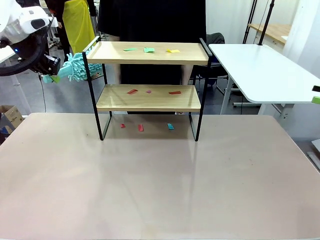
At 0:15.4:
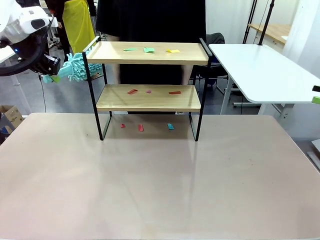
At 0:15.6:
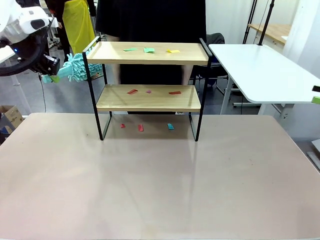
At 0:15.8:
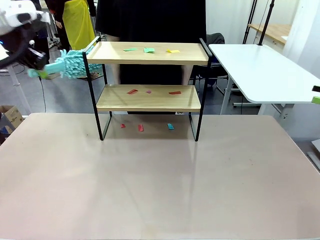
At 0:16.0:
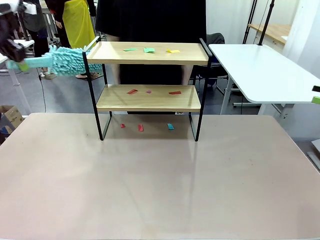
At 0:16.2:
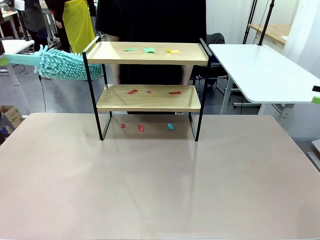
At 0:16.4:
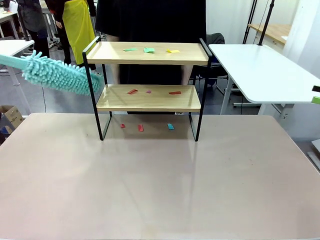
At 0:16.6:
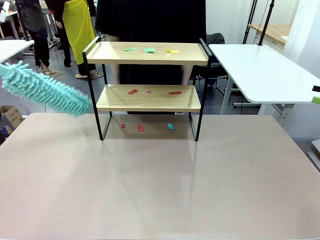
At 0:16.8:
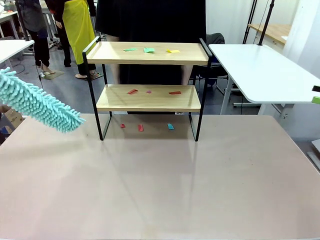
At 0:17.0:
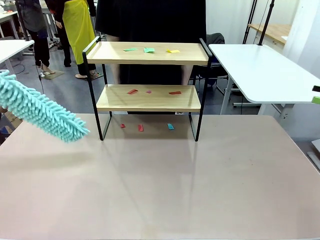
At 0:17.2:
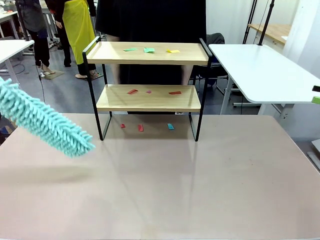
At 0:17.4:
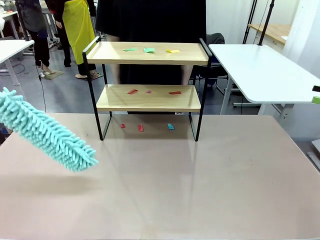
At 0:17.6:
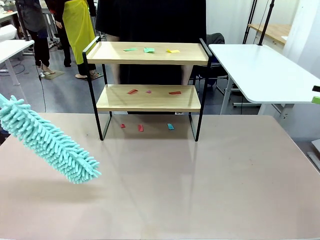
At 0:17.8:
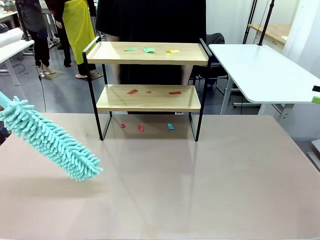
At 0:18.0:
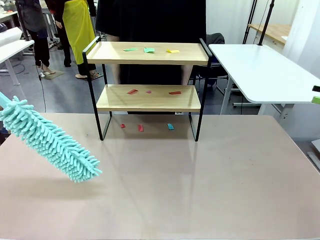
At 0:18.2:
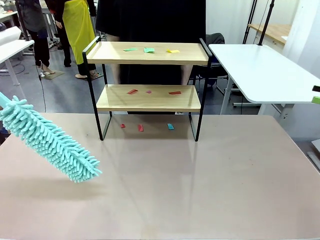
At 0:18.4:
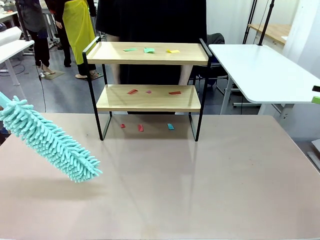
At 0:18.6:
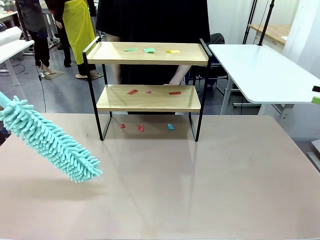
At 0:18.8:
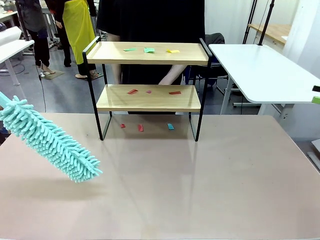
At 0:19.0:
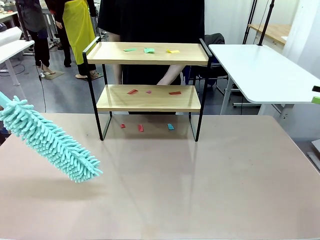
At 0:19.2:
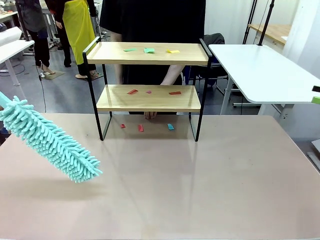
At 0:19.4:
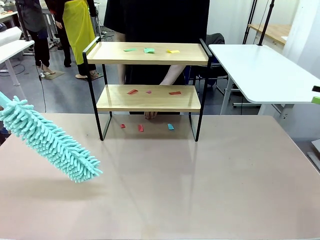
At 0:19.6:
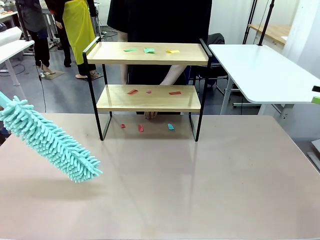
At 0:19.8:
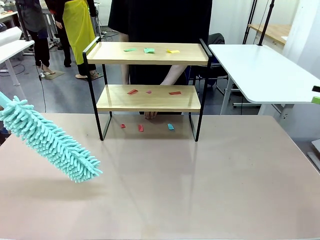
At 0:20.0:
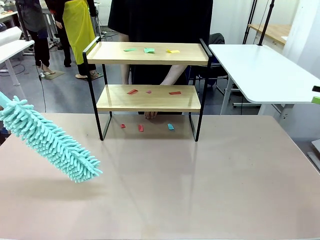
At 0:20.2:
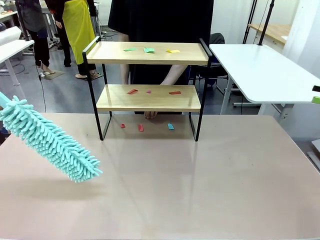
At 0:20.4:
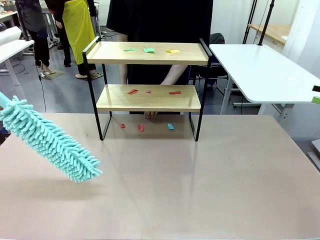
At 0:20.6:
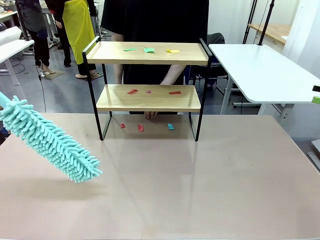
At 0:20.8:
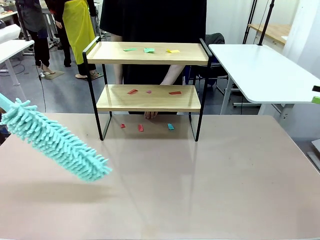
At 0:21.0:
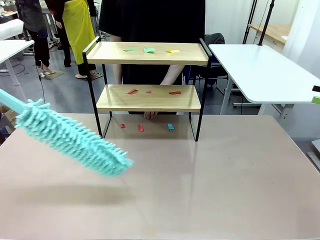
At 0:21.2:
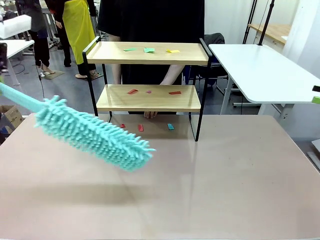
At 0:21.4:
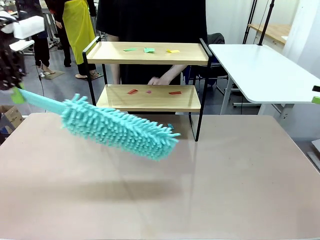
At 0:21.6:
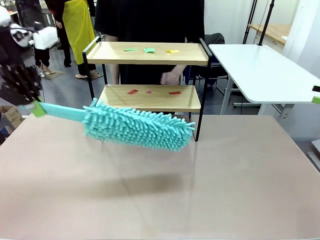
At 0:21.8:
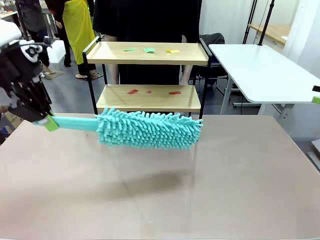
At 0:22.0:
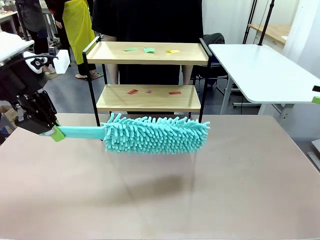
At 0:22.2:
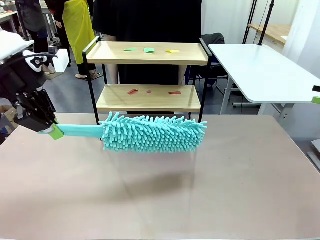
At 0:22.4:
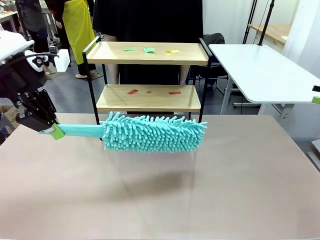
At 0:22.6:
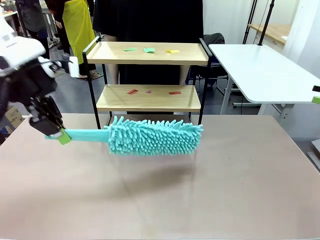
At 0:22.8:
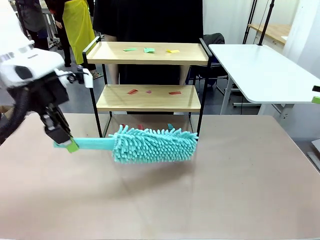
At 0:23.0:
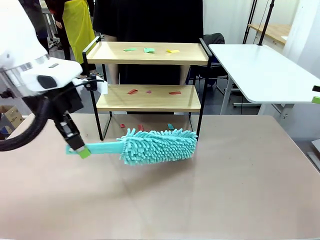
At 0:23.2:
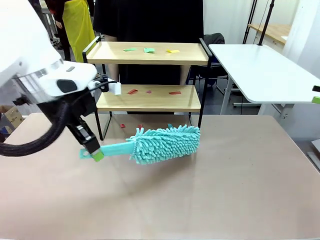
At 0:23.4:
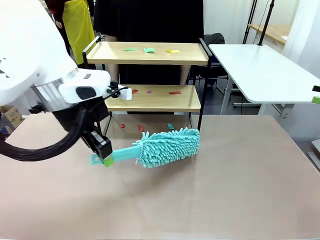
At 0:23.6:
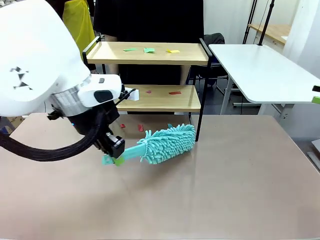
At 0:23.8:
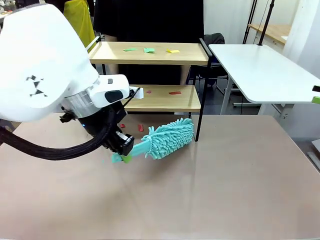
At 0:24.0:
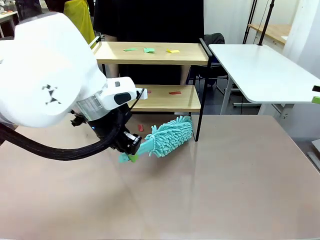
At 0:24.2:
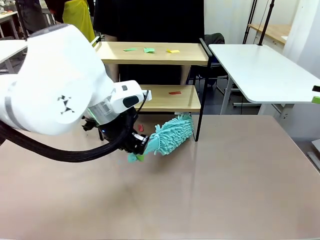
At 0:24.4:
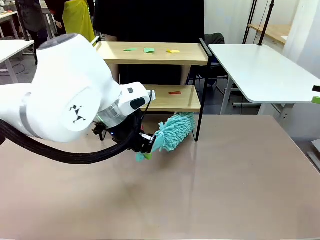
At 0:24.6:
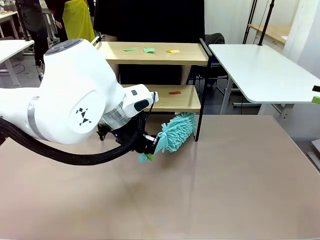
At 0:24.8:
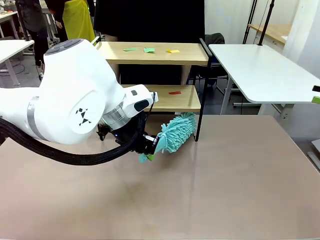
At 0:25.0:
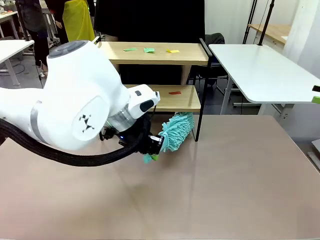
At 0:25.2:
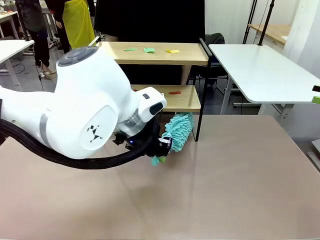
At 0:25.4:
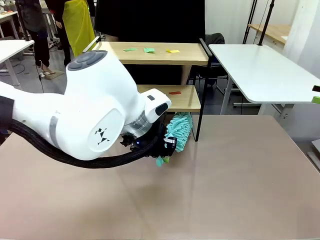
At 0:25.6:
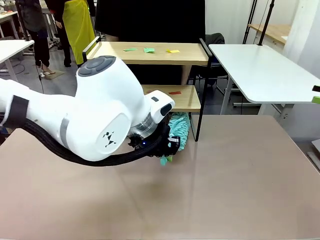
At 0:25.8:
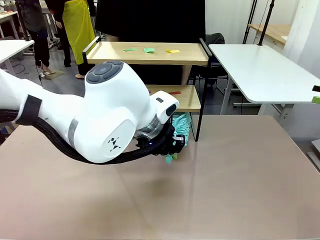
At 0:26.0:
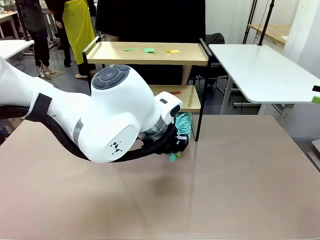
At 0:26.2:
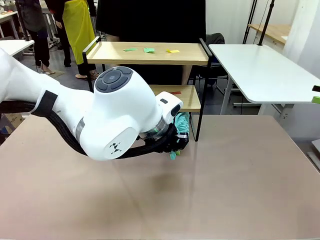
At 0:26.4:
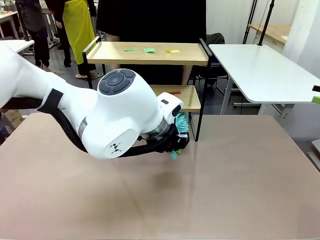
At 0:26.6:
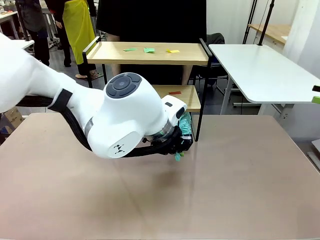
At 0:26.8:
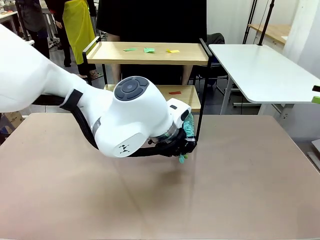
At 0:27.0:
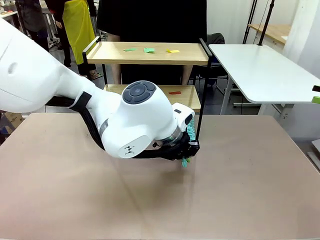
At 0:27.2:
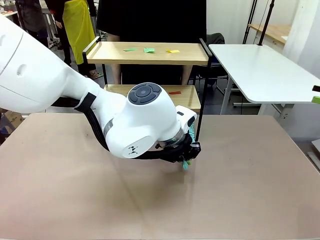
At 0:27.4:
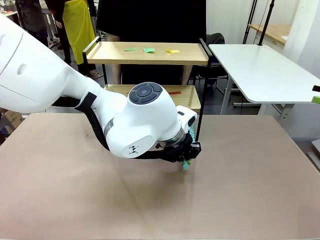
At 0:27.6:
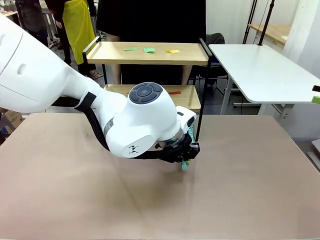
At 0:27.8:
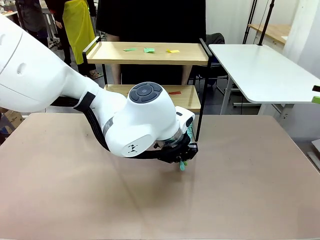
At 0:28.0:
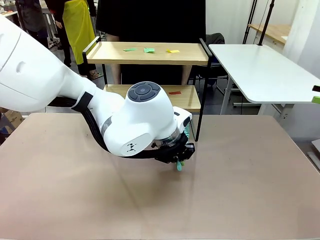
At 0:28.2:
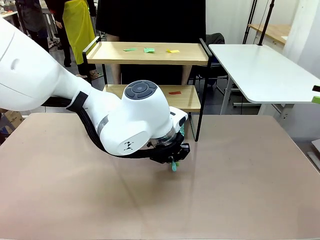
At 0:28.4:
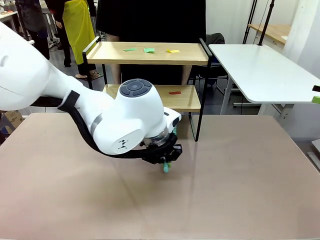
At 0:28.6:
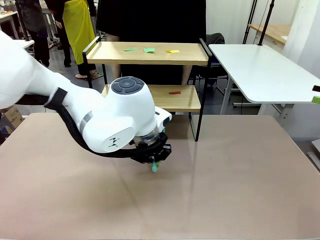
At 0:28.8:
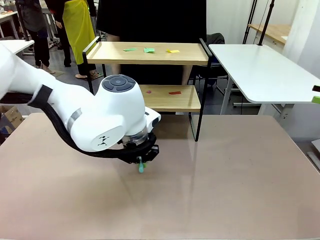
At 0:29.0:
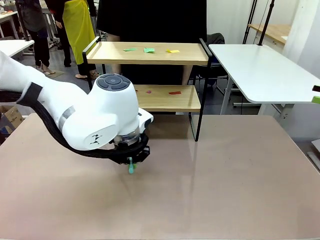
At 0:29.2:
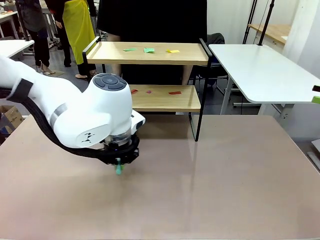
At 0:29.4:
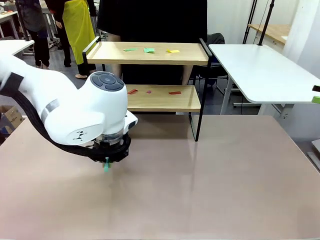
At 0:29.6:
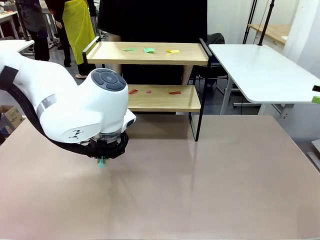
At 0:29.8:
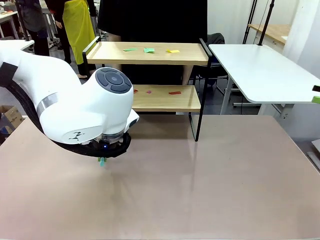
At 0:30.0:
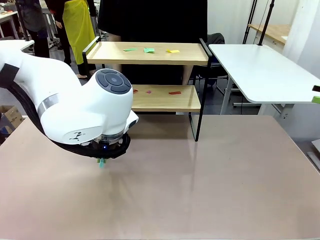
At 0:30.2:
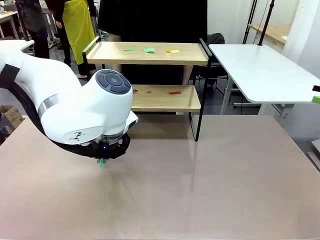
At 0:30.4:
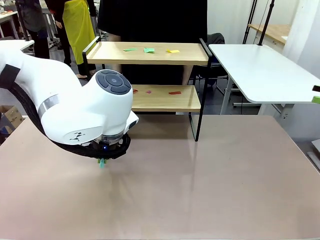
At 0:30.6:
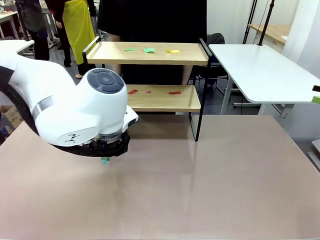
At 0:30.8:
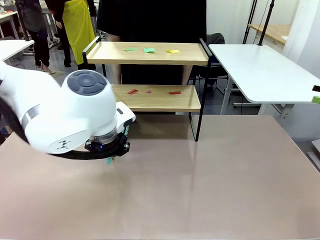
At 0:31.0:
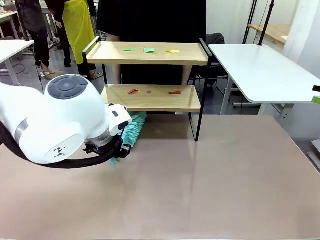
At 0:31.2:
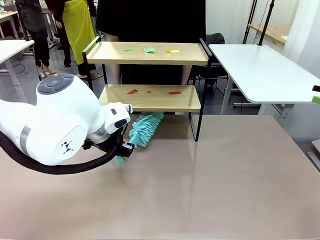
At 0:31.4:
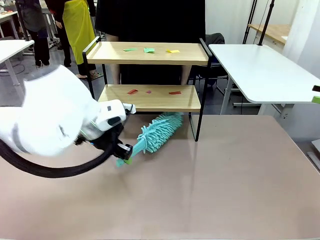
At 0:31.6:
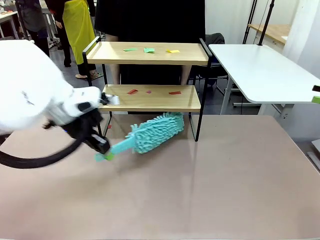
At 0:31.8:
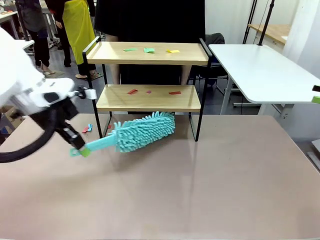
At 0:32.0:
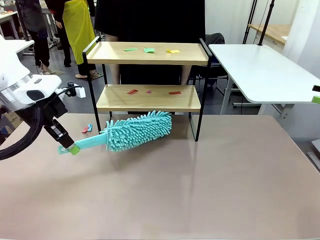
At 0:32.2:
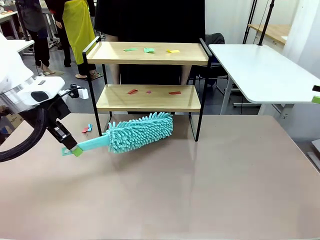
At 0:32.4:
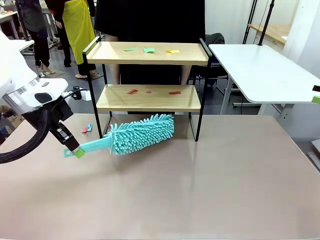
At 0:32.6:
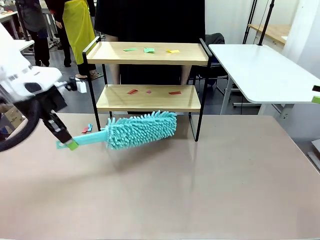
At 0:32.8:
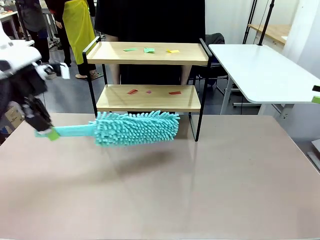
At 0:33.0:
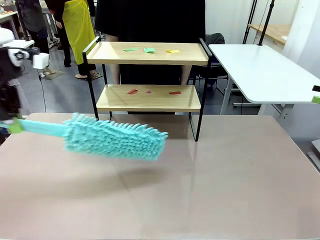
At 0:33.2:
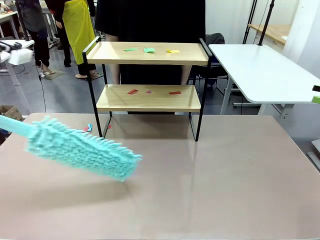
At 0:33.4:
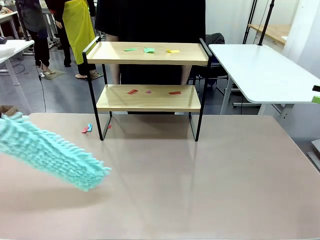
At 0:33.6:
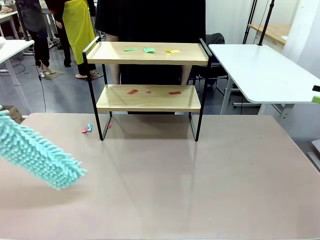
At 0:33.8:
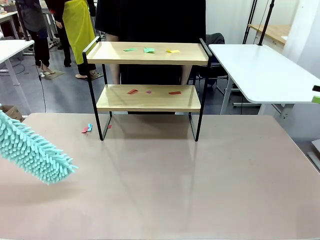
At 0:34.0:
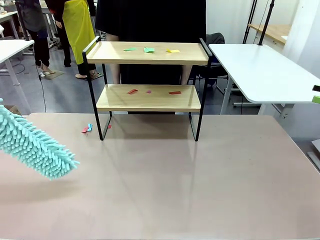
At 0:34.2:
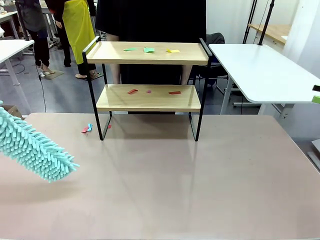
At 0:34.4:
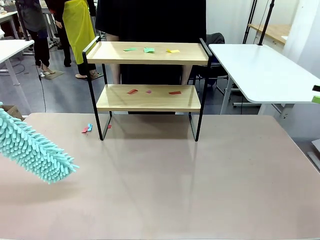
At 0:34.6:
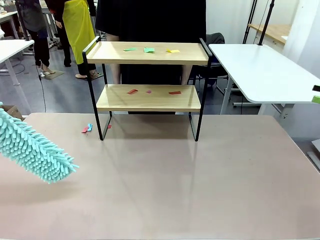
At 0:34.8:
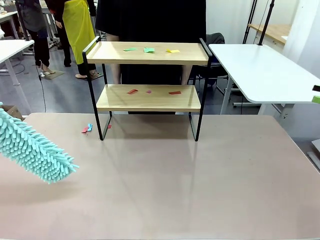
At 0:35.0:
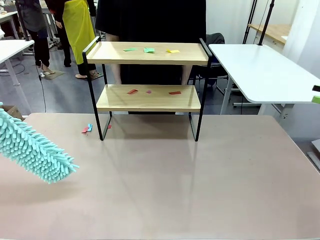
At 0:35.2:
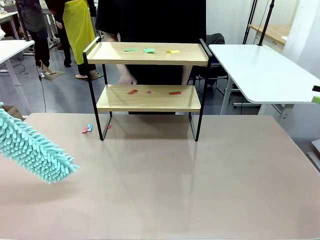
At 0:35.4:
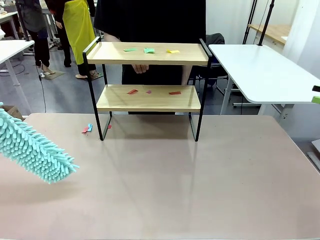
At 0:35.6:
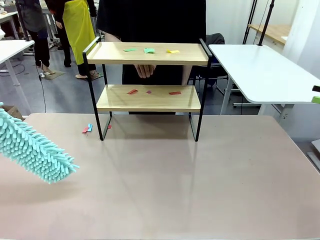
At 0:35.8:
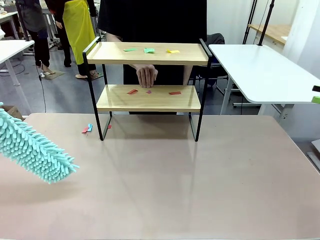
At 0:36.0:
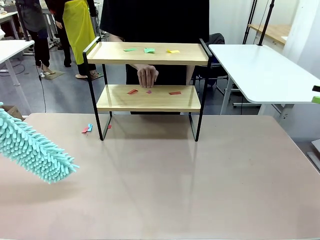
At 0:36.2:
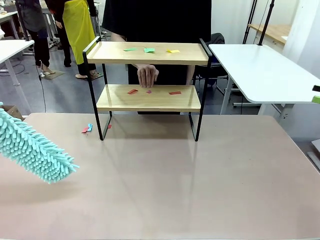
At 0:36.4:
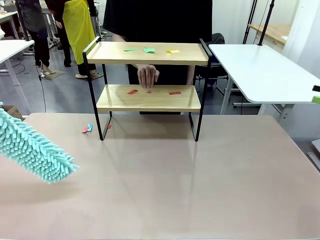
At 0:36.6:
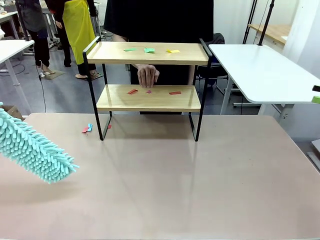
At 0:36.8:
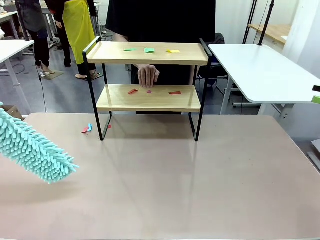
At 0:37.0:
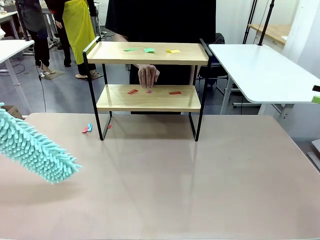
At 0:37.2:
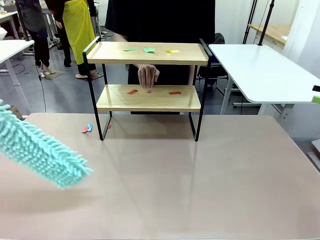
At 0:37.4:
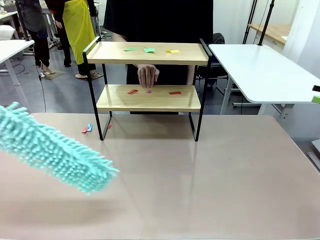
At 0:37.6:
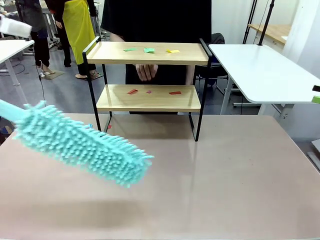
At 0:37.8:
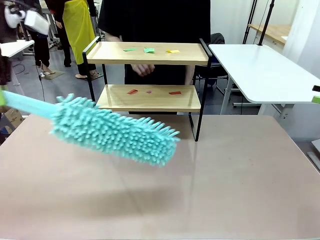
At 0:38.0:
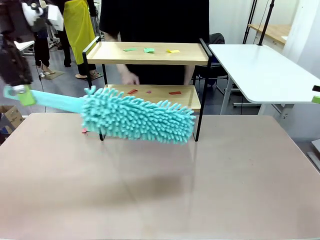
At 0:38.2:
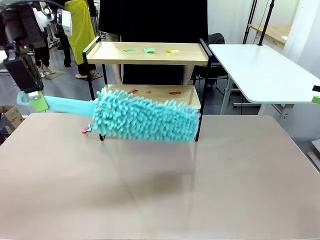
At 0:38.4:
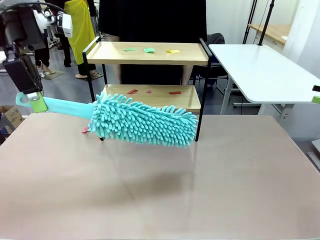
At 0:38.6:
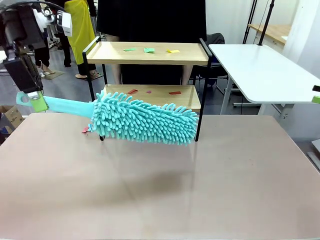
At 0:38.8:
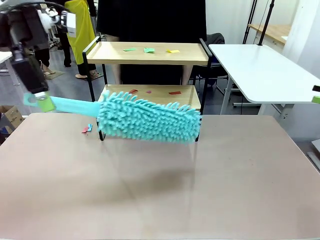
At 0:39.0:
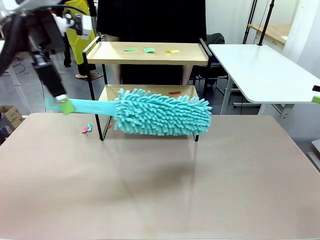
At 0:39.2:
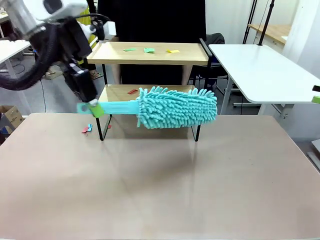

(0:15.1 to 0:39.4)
Task: Clean the shelf.
Robot: Clean the specific section of the Shelf indicated by the human with the Duster.
Person: Point a random section of the Shelf.
